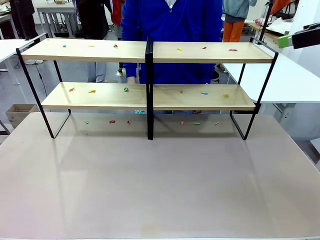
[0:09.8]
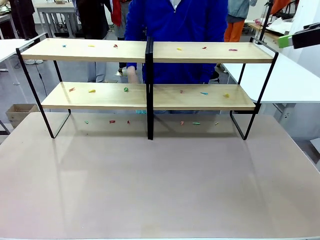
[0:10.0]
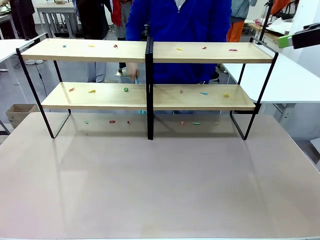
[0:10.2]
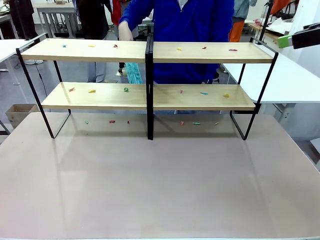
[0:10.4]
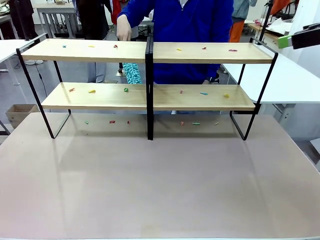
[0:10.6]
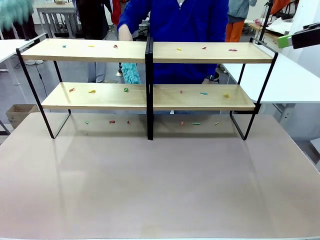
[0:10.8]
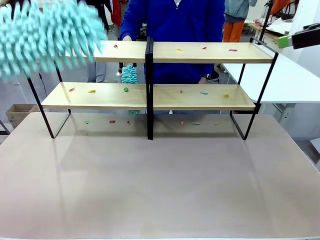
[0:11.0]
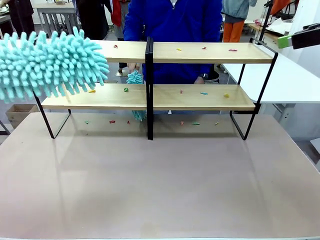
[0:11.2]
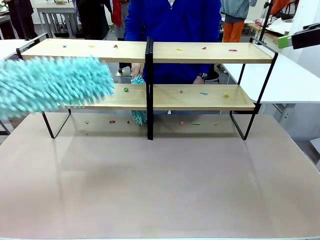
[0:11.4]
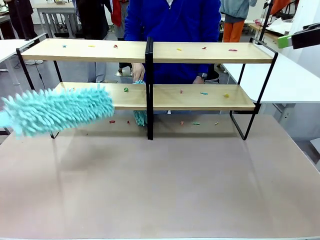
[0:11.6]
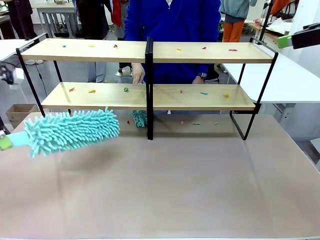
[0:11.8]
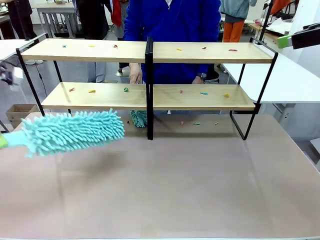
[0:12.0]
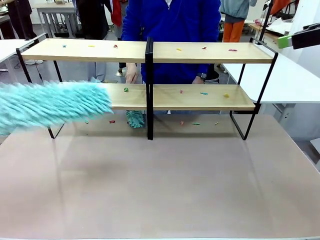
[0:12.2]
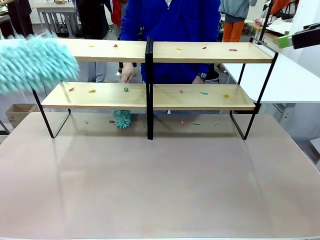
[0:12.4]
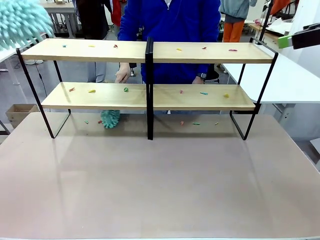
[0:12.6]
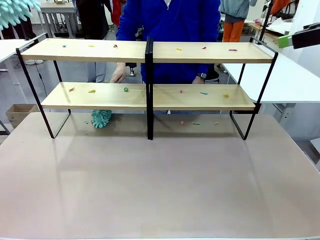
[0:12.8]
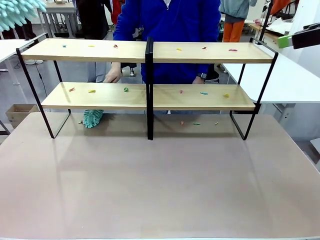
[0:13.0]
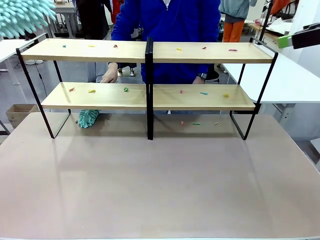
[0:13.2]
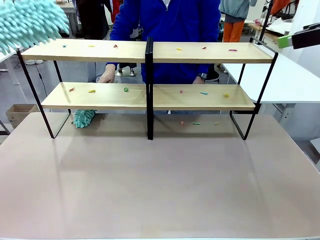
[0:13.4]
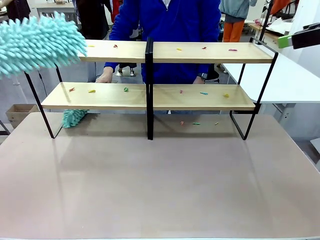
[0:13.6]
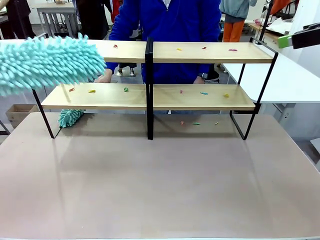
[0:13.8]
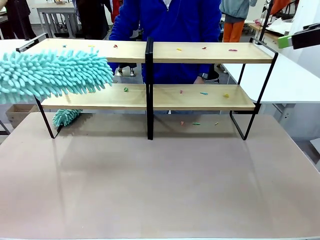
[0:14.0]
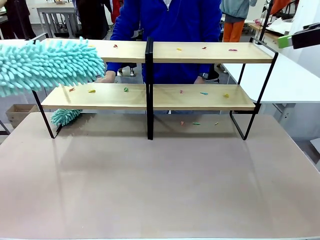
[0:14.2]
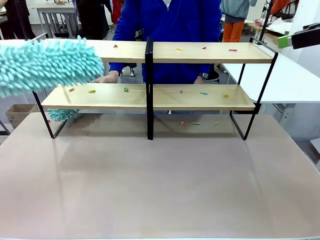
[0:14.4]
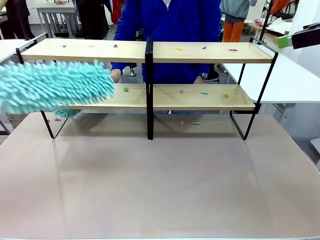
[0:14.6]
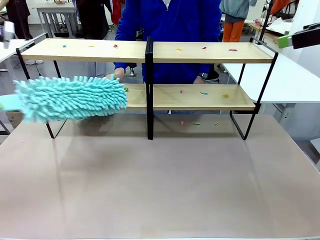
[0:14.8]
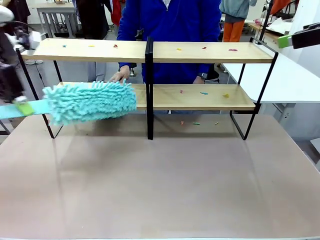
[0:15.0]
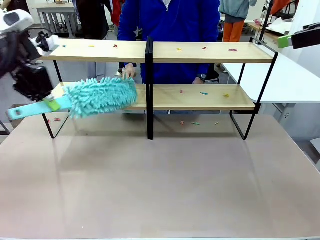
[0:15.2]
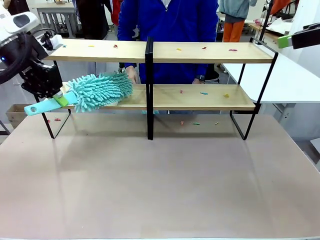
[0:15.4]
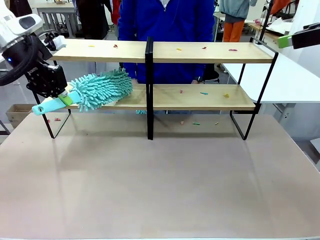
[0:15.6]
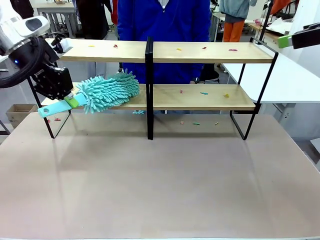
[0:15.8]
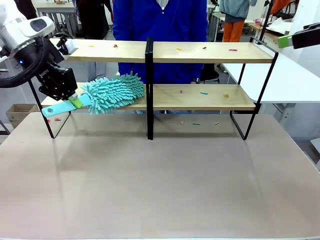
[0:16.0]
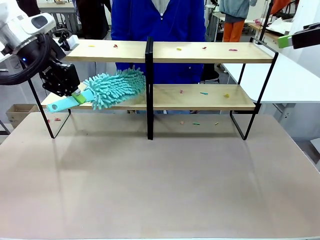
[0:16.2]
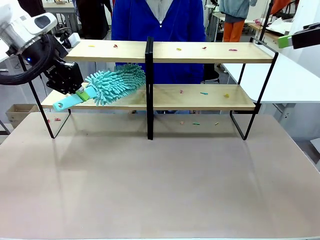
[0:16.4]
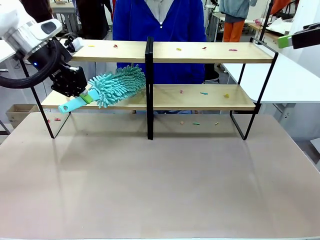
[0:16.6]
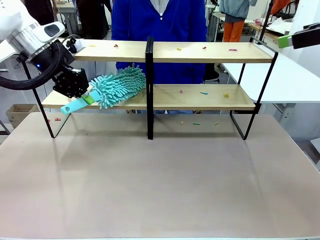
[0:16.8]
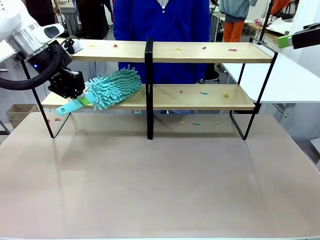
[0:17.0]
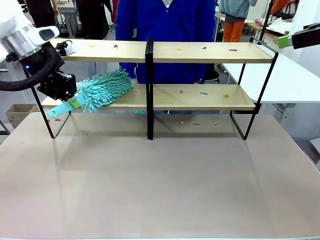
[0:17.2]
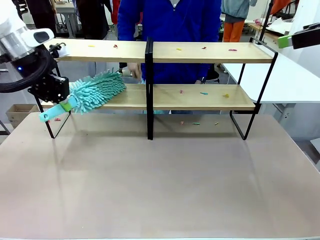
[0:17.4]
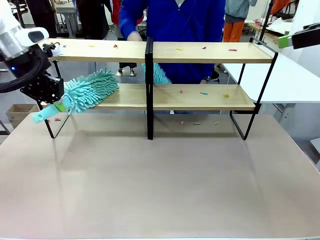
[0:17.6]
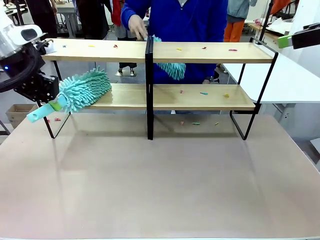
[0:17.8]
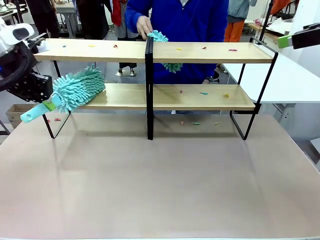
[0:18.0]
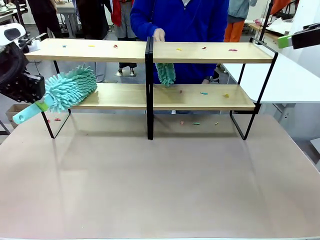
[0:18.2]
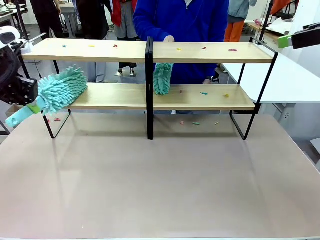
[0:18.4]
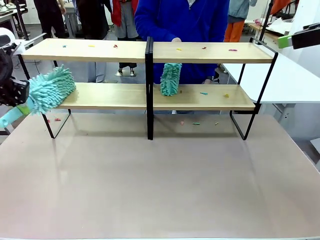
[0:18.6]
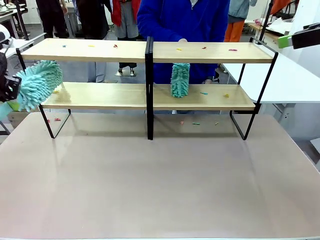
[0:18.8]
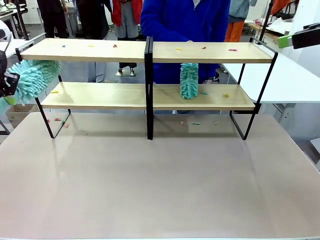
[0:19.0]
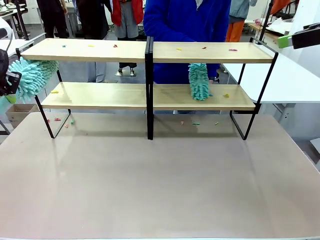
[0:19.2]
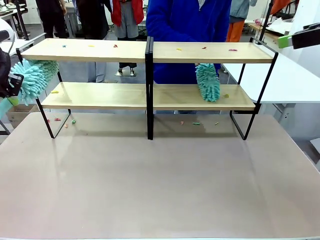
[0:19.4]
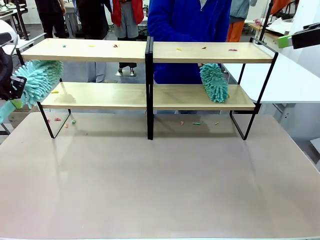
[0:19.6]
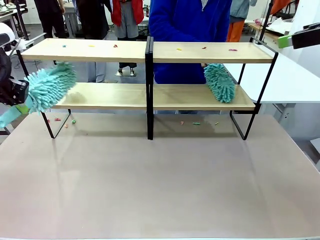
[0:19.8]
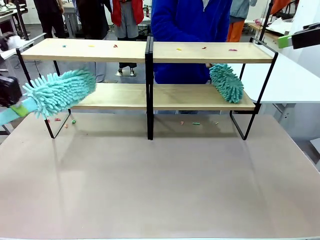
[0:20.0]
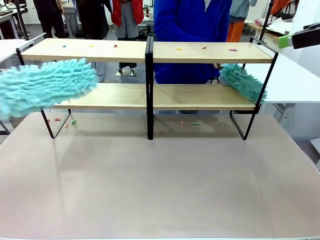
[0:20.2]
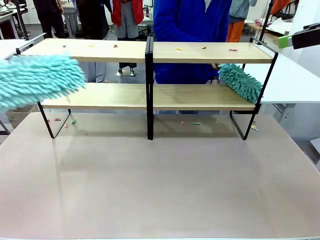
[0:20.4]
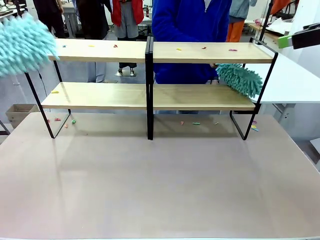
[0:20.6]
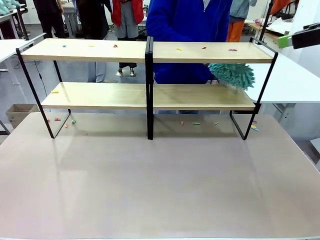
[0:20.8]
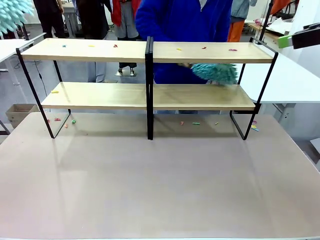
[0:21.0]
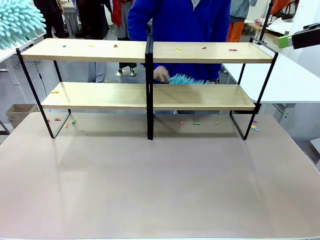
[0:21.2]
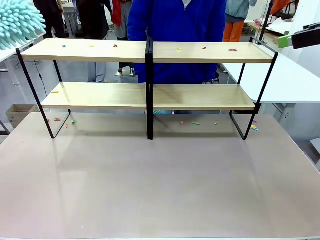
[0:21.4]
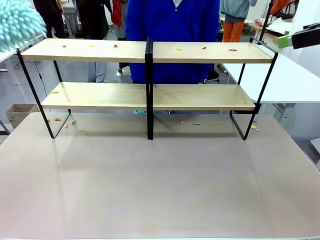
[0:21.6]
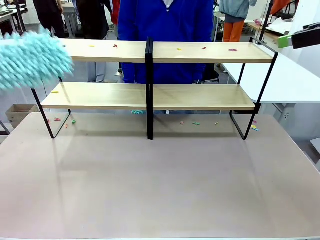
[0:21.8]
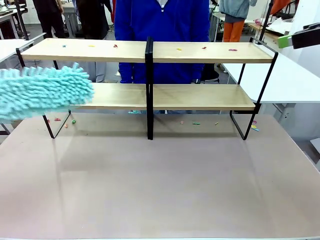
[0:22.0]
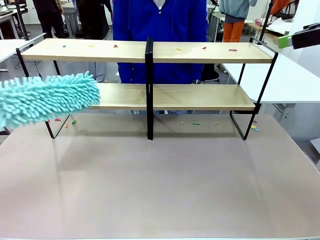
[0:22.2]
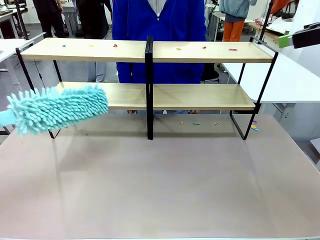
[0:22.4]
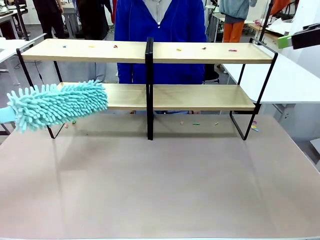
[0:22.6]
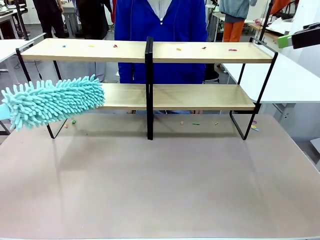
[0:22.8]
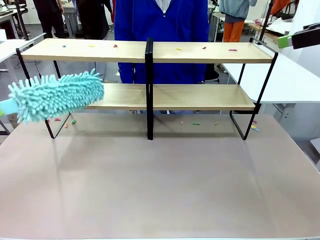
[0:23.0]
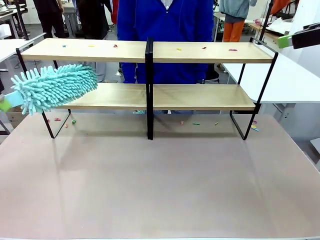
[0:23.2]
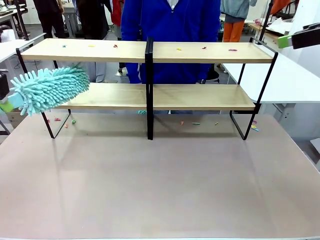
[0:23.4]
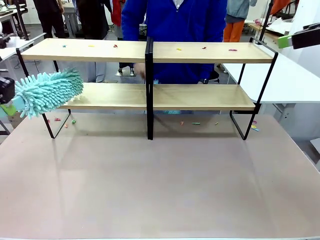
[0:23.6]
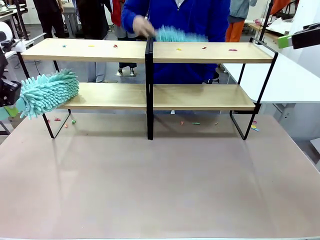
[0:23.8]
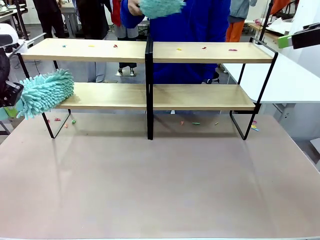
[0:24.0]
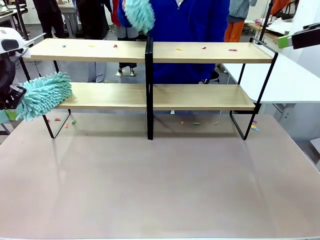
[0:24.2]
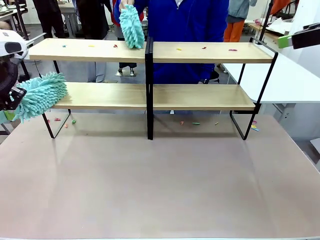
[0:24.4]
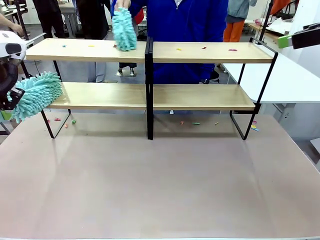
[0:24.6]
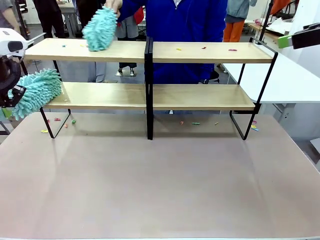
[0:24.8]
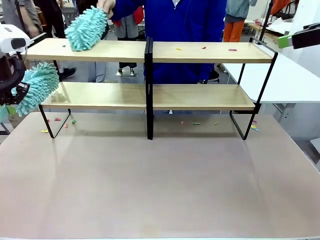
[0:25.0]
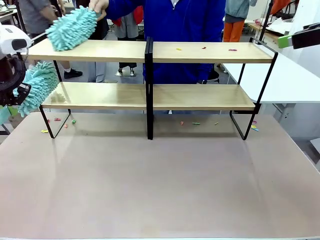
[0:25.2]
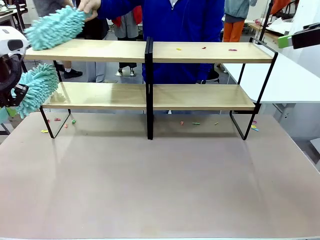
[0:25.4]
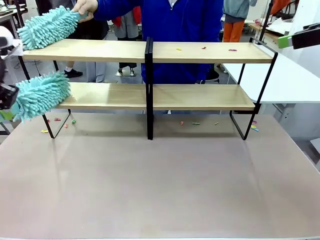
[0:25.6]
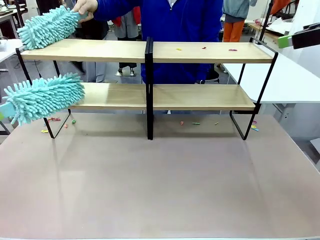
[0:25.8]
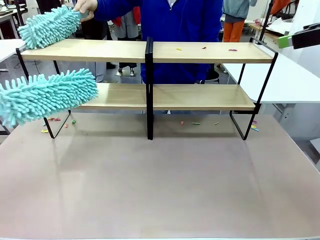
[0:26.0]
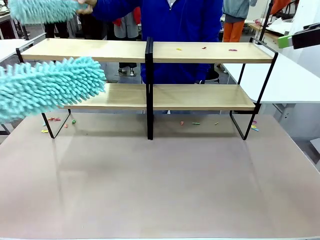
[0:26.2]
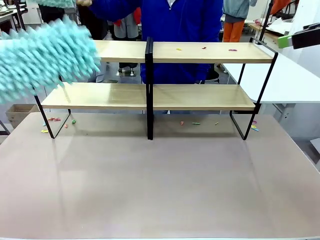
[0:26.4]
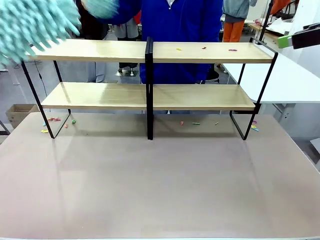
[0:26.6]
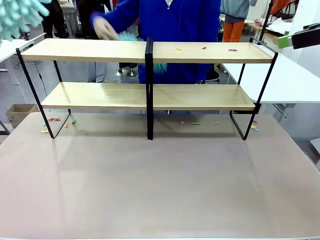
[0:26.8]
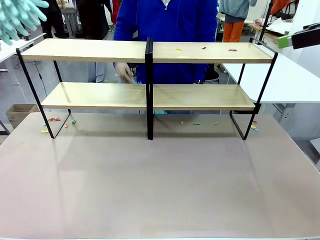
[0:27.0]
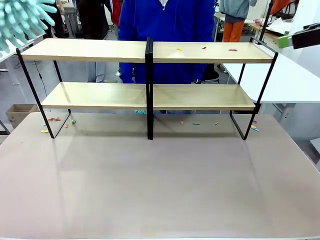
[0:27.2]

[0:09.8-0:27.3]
Task: Clean the shelves.
Robot: Clean a randomly selected level of the Shelf with the Duster.
Person: Clean a randomly selected level of the Shelf with the Duster.
